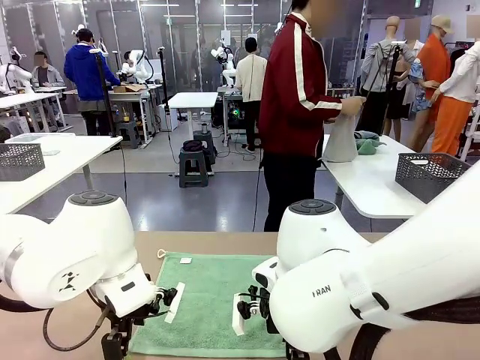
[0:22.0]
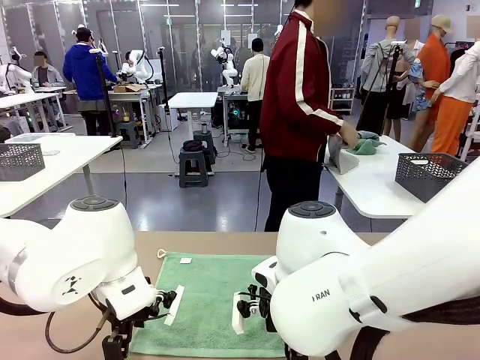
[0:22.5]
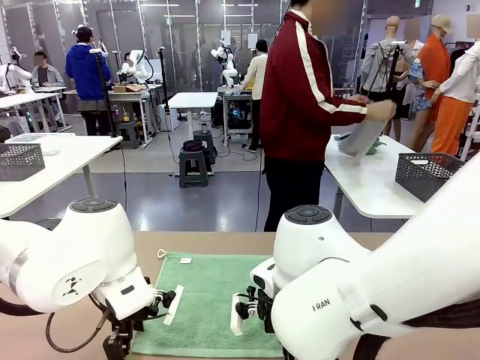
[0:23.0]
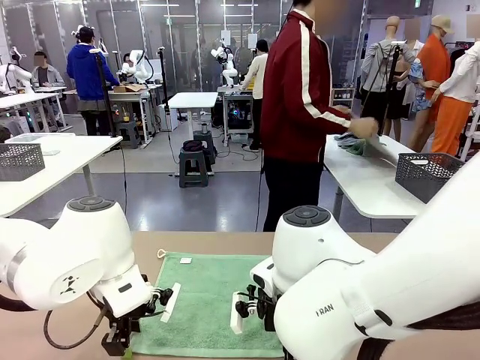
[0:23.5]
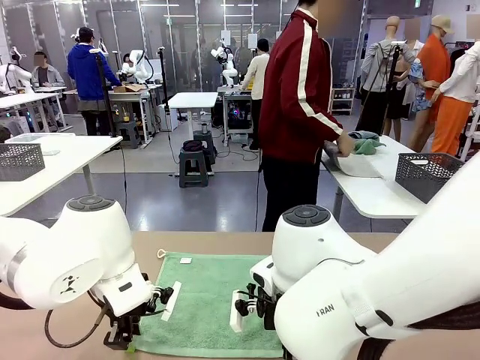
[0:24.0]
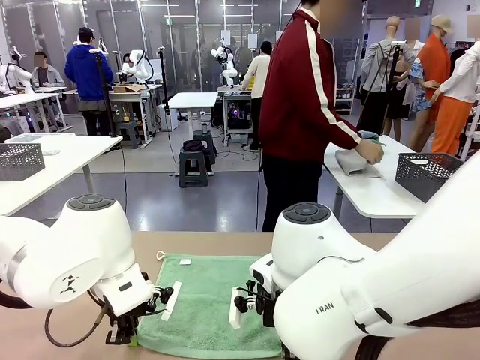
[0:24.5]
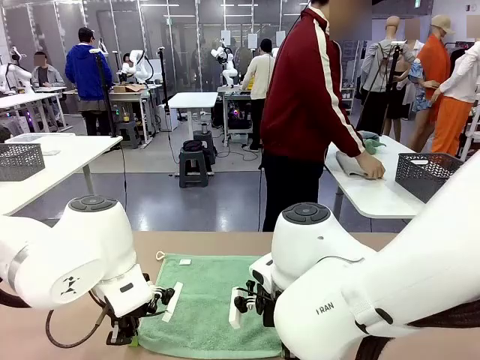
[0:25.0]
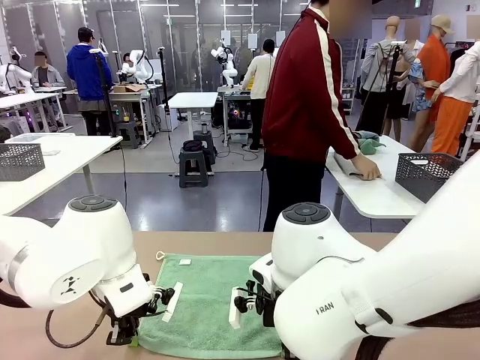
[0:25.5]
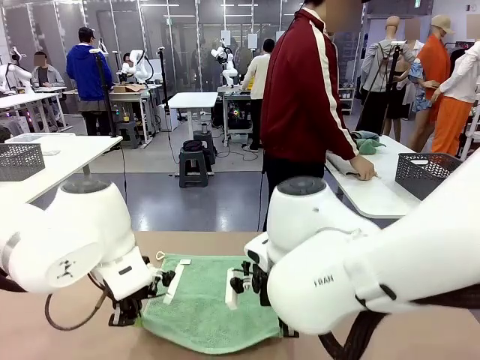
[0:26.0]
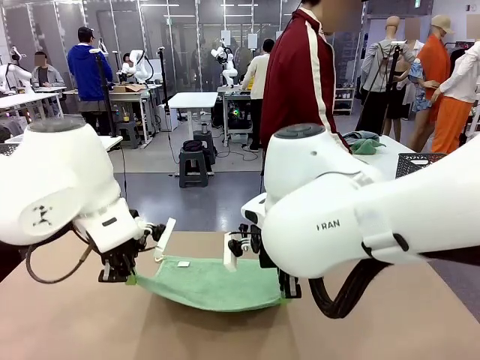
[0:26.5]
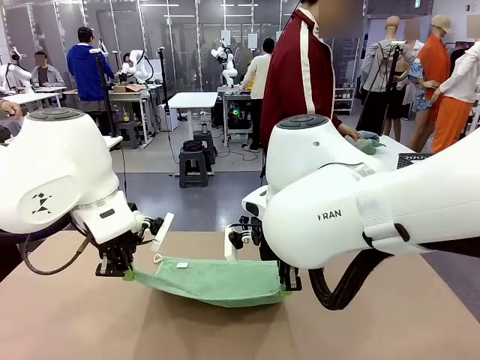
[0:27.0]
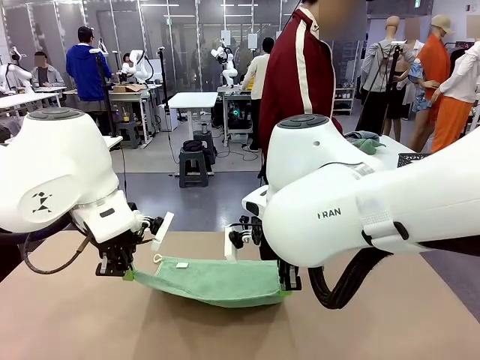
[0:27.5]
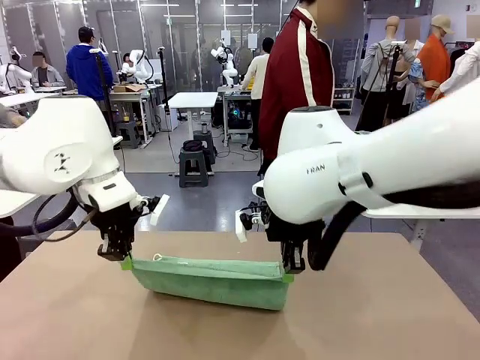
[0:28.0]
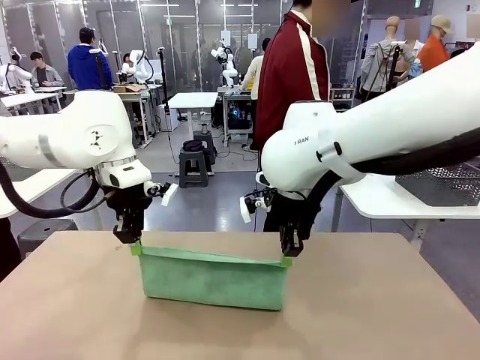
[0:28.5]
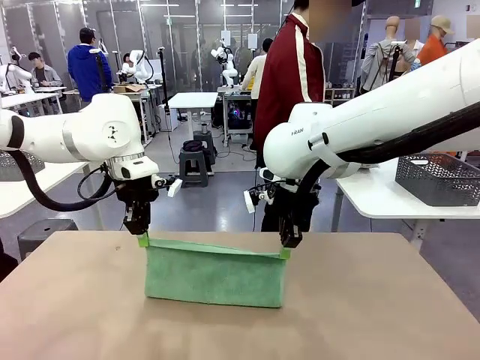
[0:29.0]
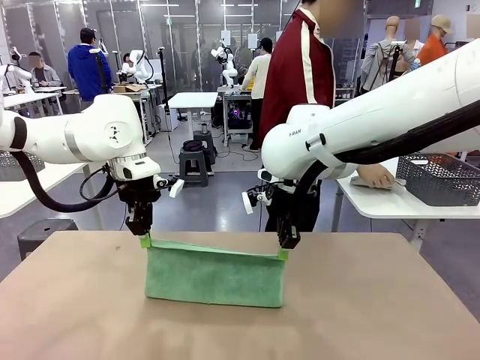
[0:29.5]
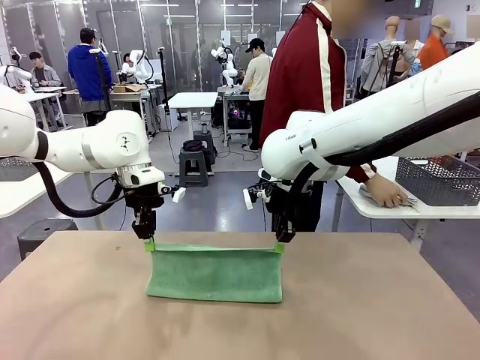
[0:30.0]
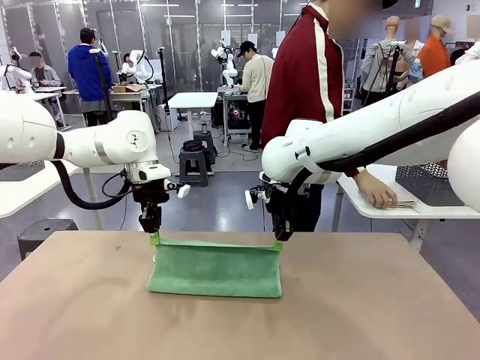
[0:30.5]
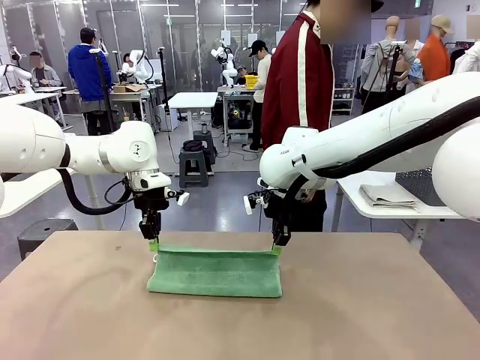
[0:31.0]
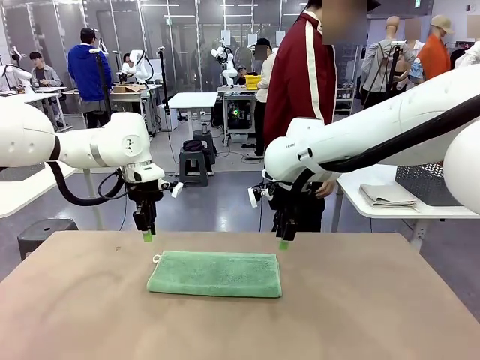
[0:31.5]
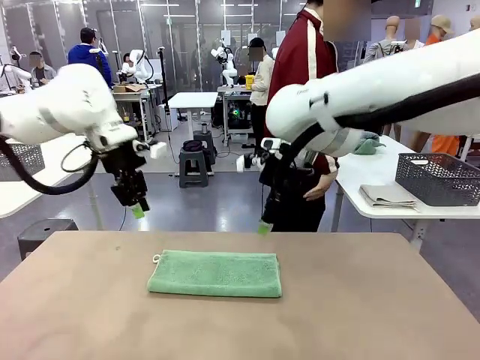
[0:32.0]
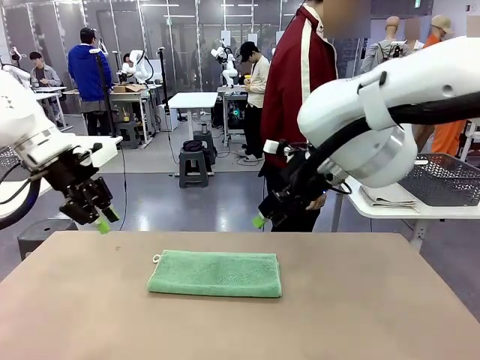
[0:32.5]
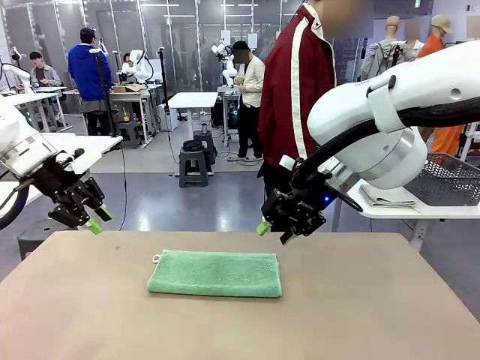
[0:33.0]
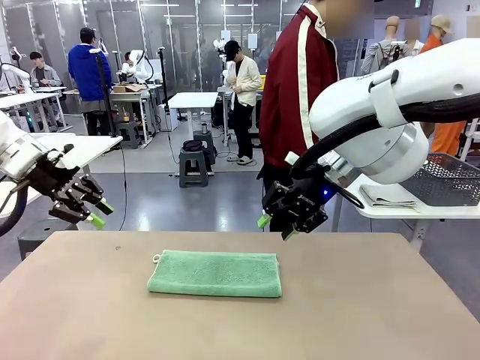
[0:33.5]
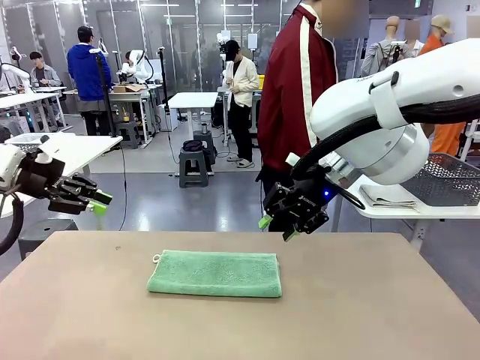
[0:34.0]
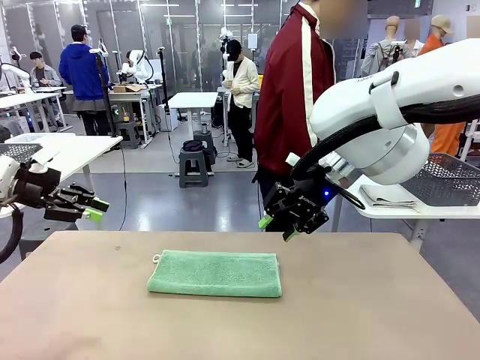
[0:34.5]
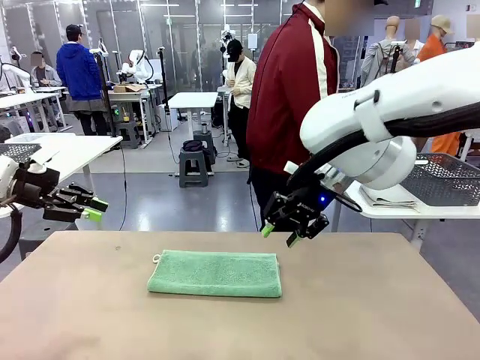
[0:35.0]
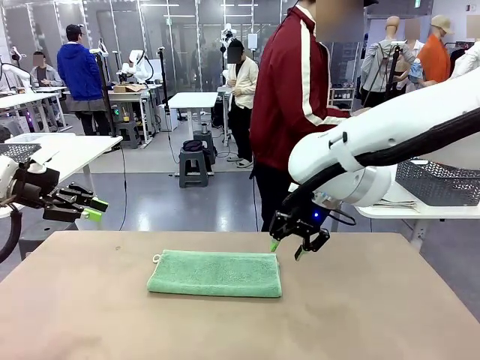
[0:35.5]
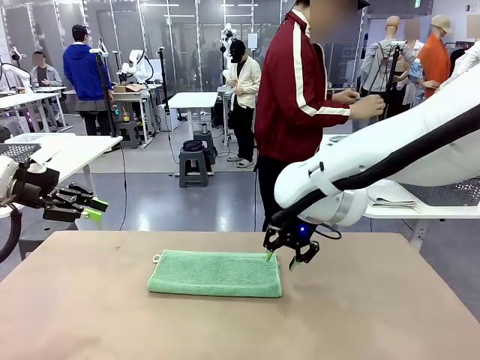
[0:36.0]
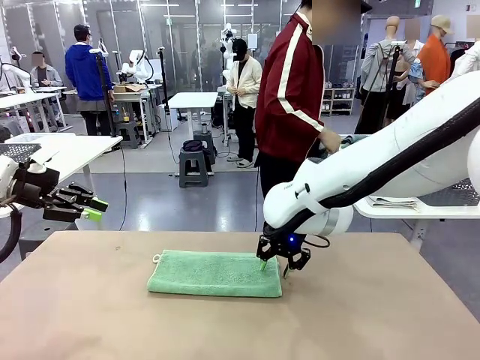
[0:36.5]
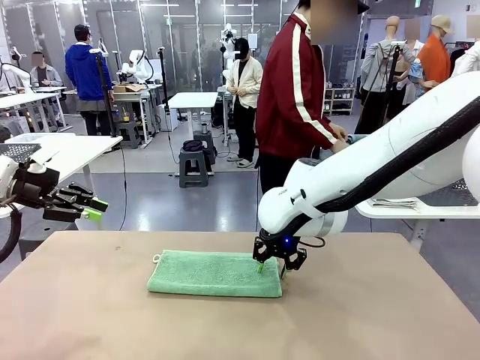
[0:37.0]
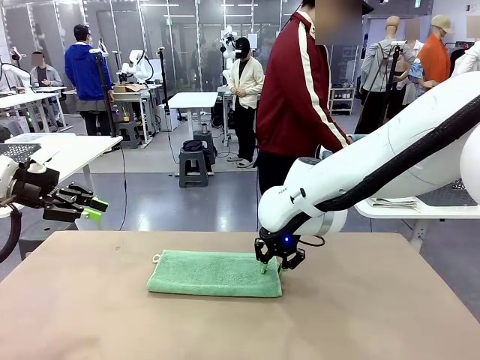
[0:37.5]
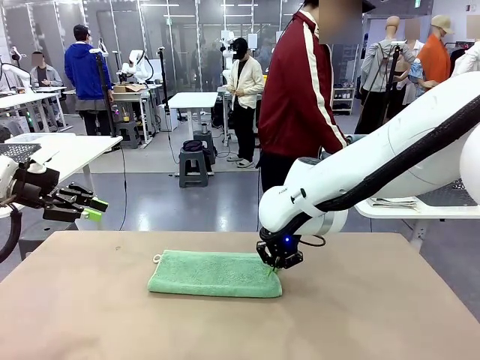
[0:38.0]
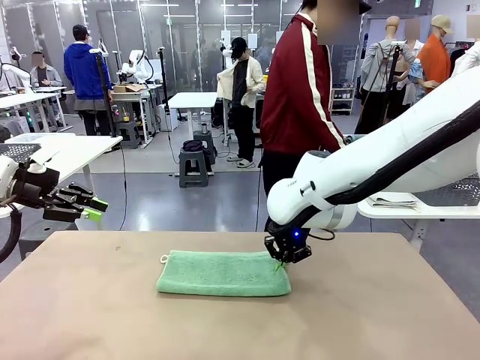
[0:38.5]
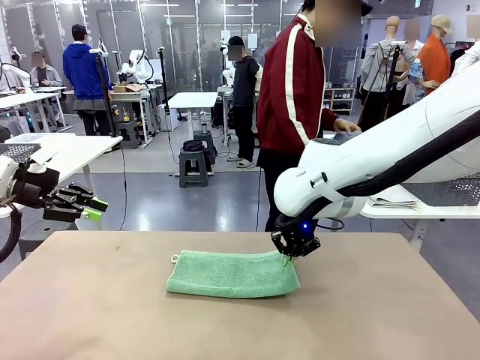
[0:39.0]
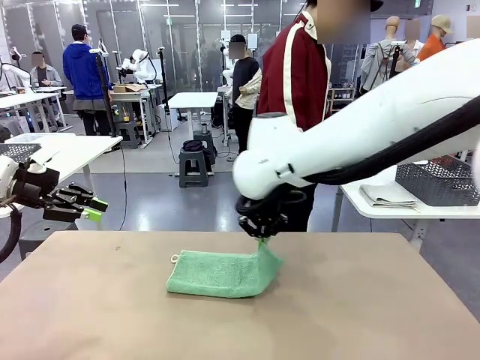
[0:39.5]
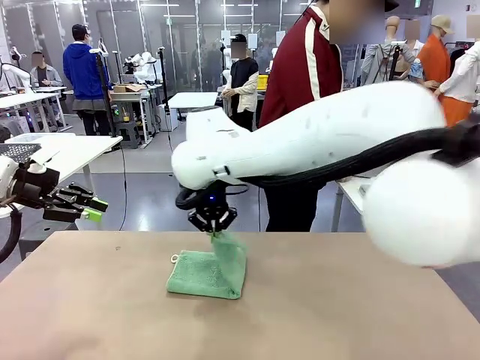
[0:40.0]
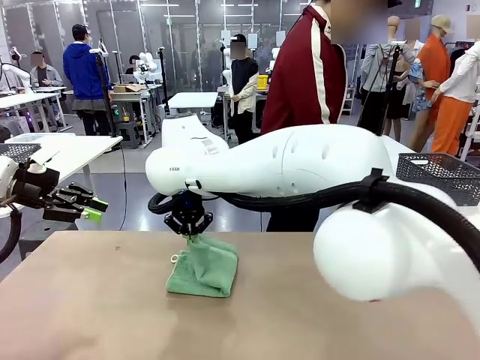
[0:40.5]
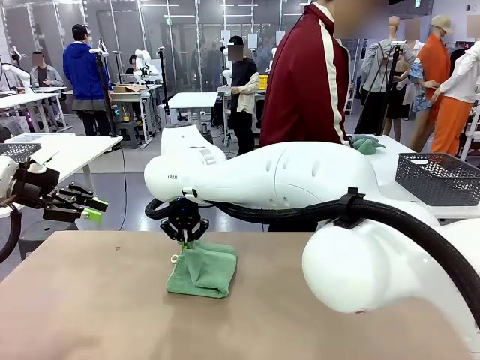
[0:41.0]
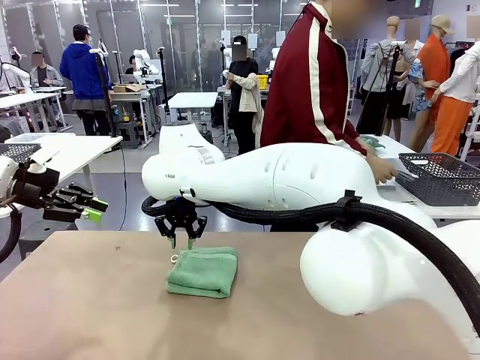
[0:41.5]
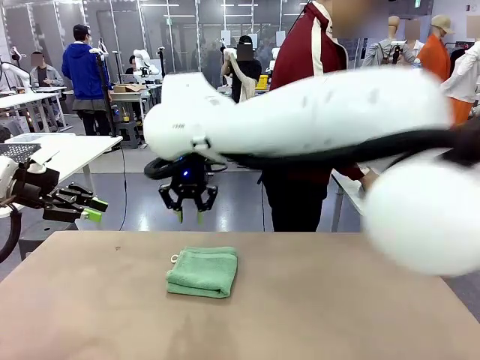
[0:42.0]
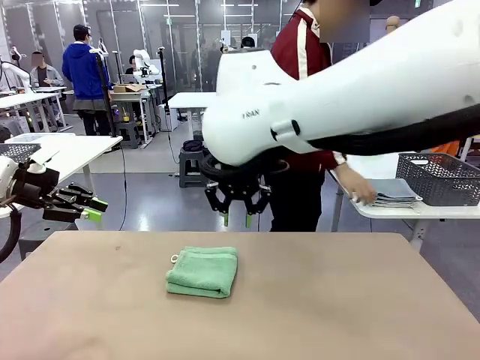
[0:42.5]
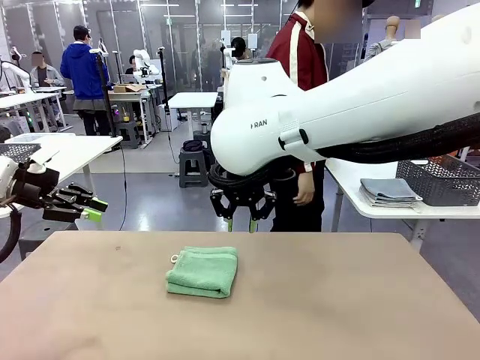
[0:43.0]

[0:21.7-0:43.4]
Task: Fold the towels and place them in the basket.
Robot: When a person lays out a Towel with hook on the table, fold it in half twice.
Person: Pick up one towel from the left side of the human table, fold it in half twice, and place it on the right side of the table. Pick up one towel from the left side of the human table, fold it in half twice, and stack it on the right side of the table.
